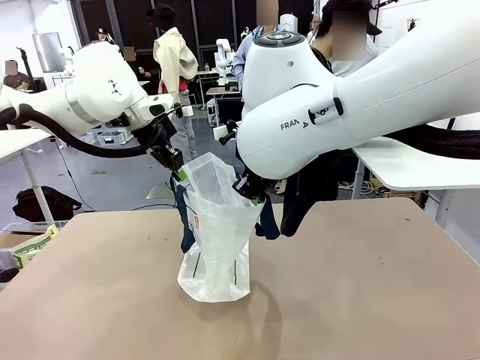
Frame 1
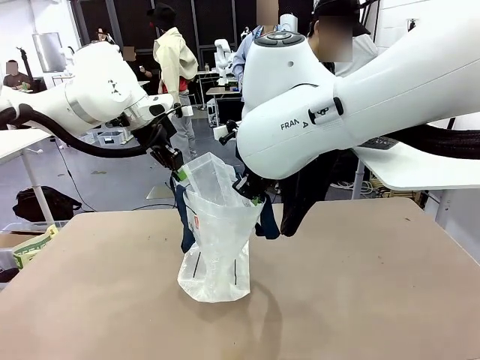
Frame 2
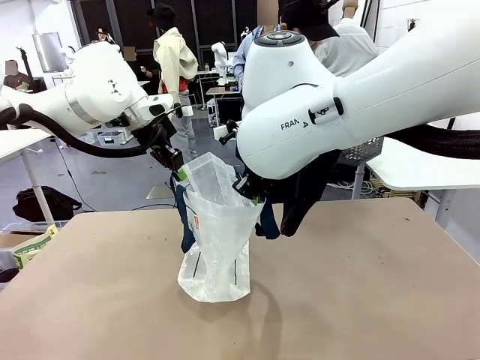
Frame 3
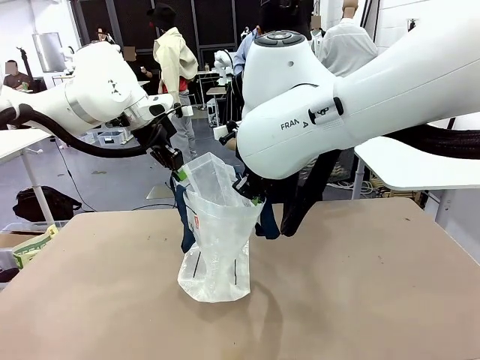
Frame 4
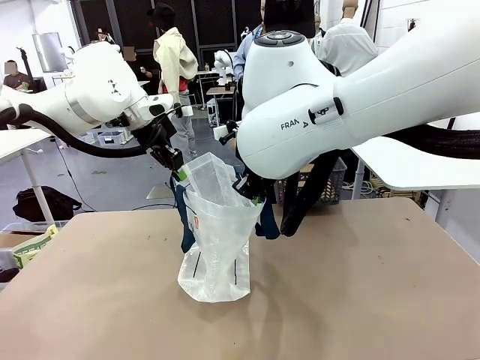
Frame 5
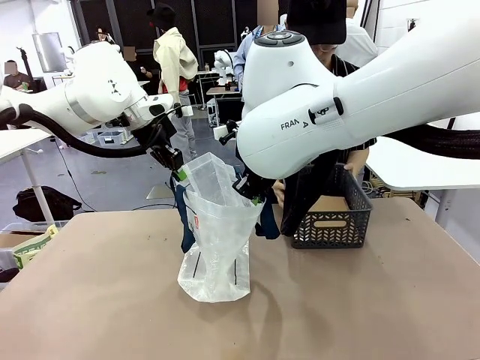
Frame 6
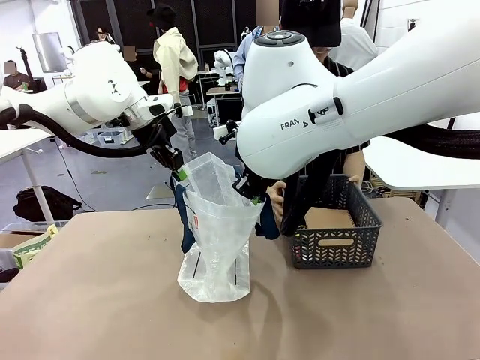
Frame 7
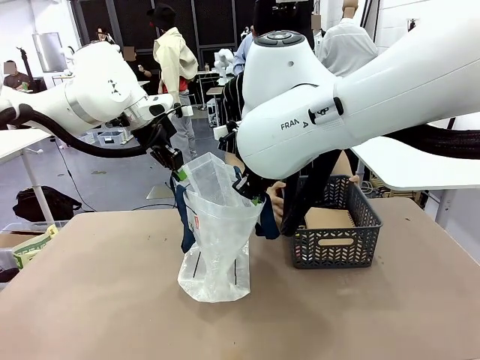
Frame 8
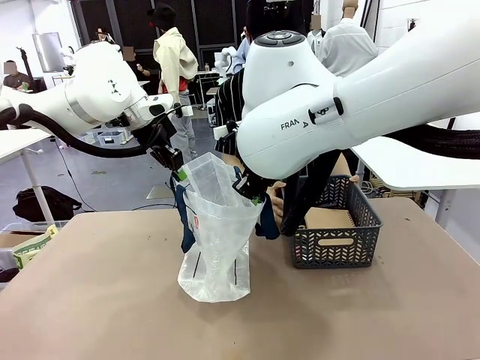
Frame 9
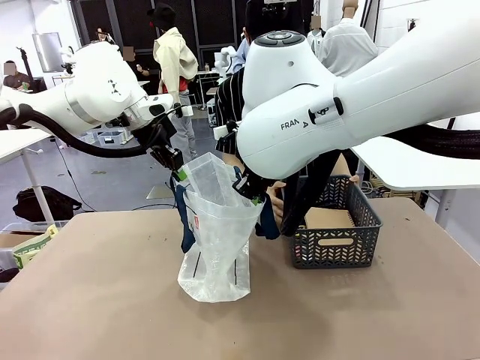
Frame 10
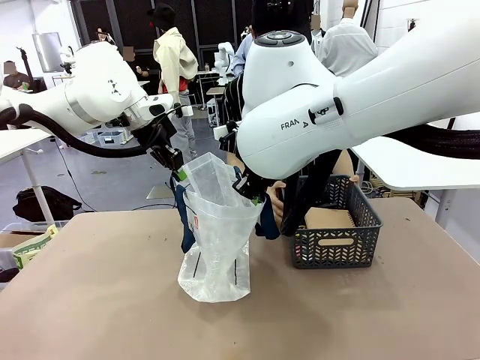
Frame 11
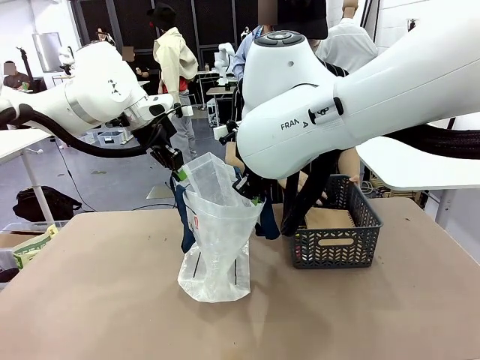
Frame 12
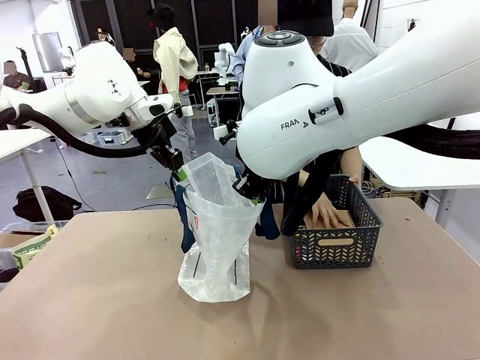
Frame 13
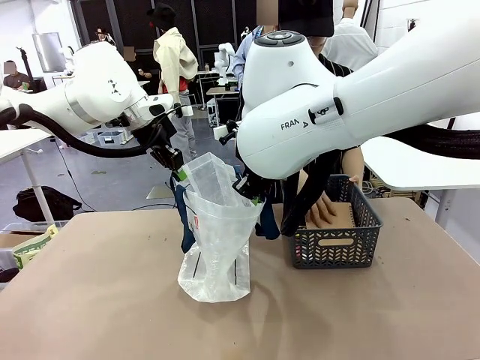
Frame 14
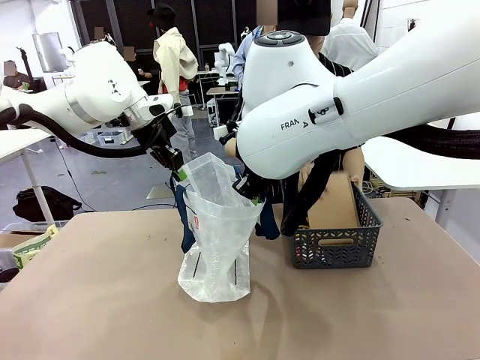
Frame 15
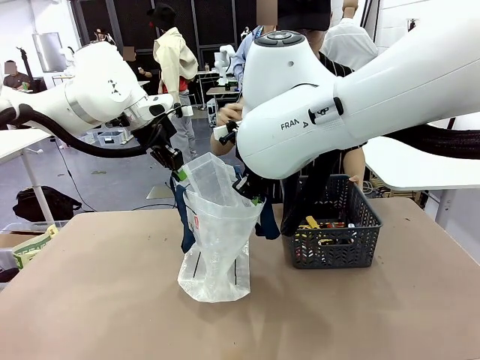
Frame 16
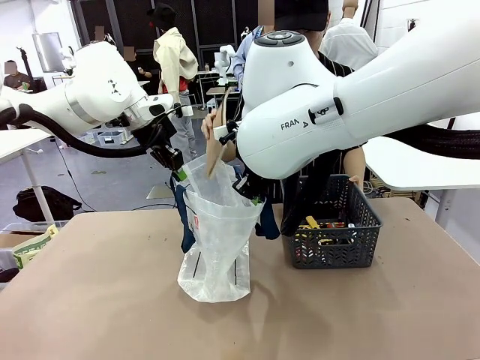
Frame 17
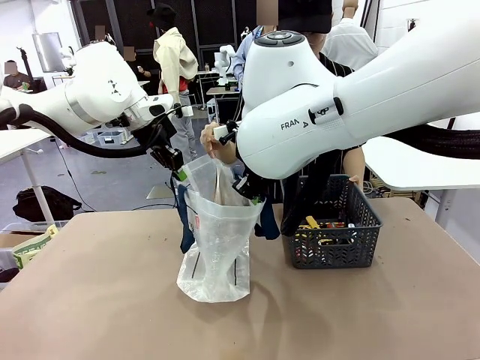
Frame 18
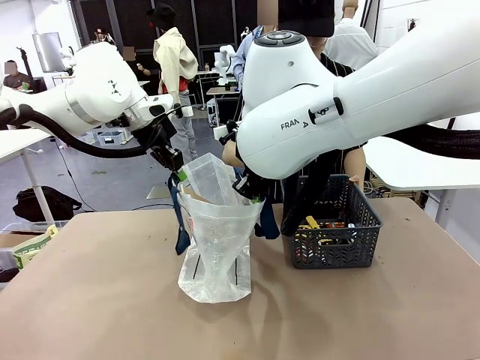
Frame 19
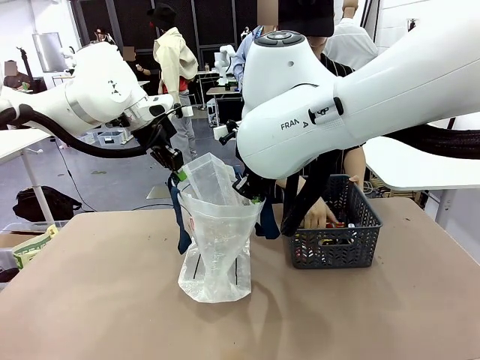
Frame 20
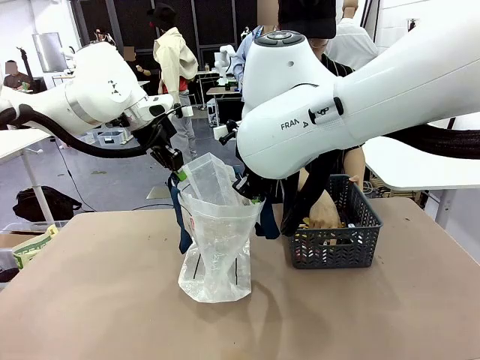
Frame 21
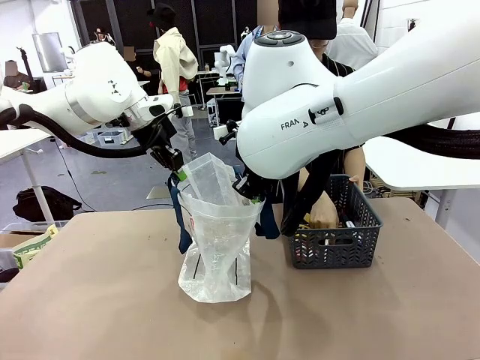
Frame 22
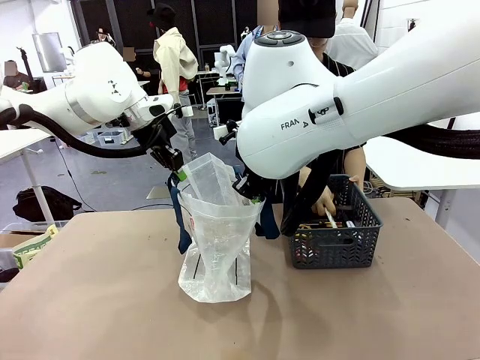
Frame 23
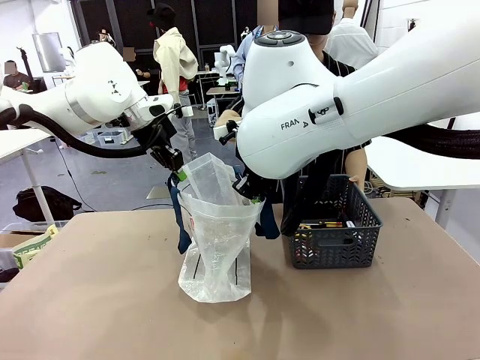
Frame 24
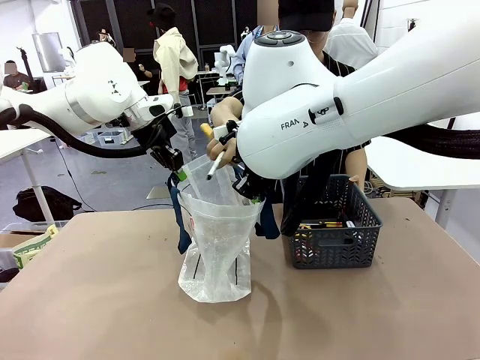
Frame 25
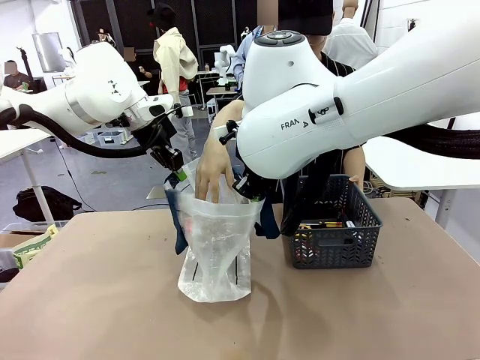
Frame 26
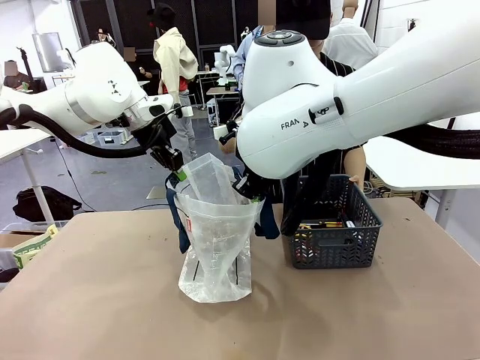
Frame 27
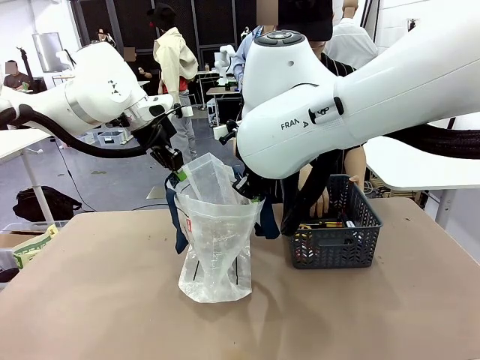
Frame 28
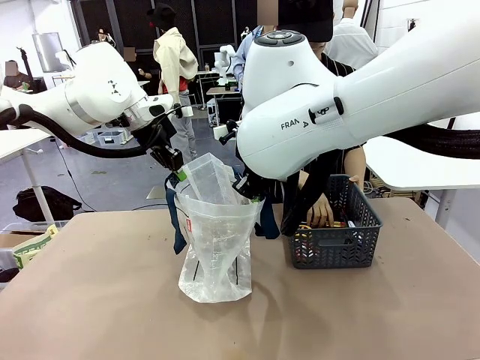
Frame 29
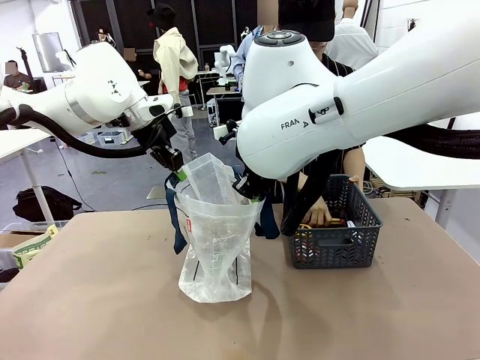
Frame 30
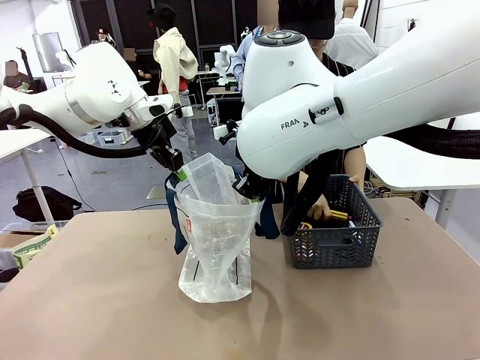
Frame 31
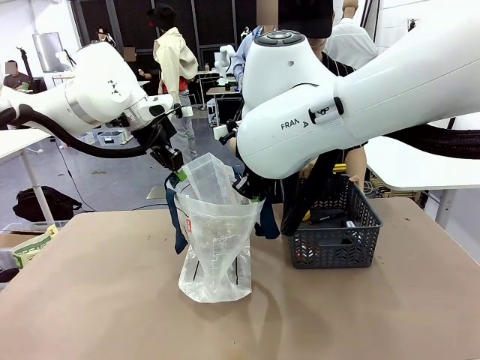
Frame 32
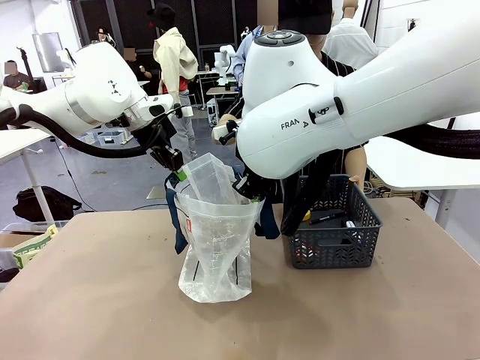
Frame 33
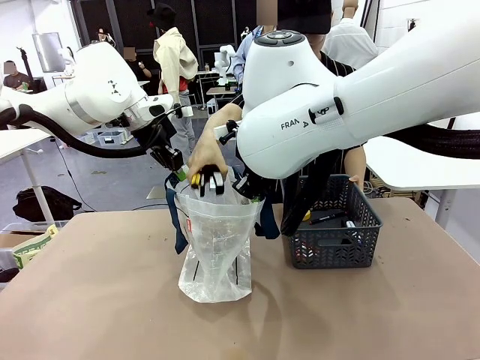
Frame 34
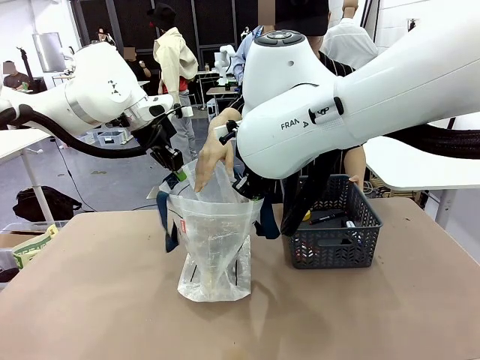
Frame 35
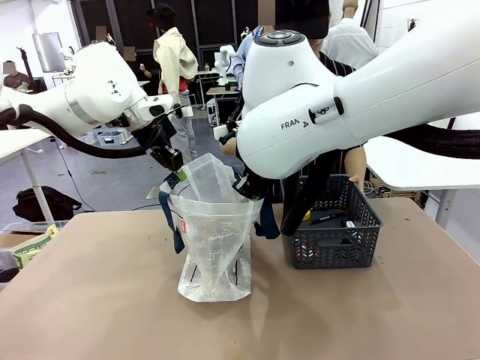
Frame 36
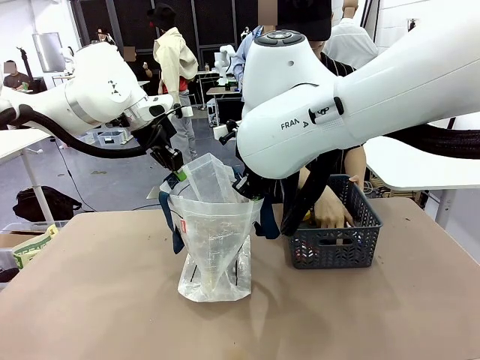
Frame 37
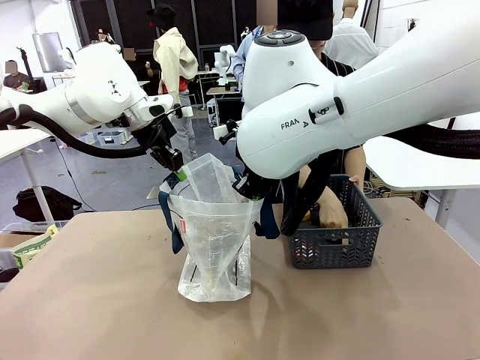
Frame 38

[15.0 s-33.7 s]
Task: Transfer purchased items from the store into the shopping bag.
Robot: Move the Reusable shopping bag to the right side of the table.
Person: Pick up the basket with the items out and place it on the right side of the human table.
